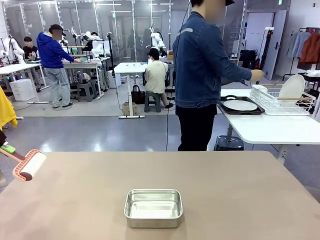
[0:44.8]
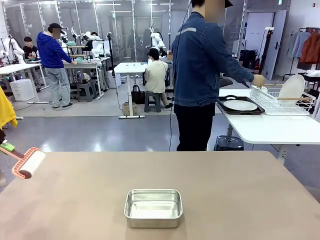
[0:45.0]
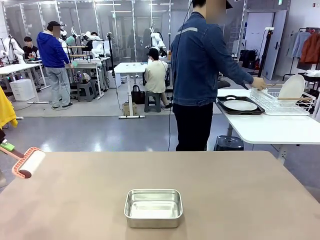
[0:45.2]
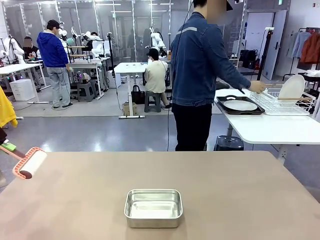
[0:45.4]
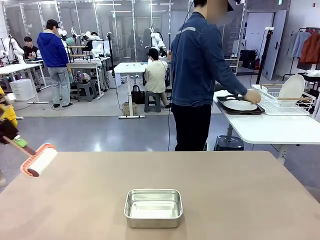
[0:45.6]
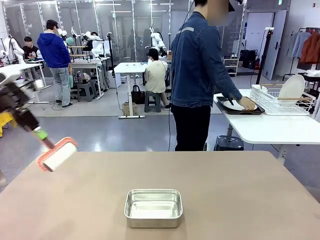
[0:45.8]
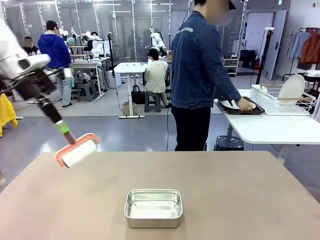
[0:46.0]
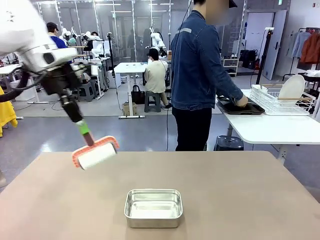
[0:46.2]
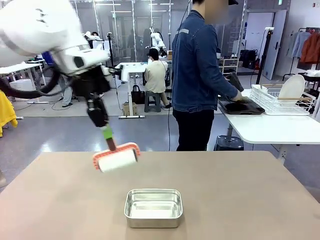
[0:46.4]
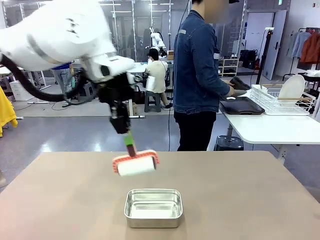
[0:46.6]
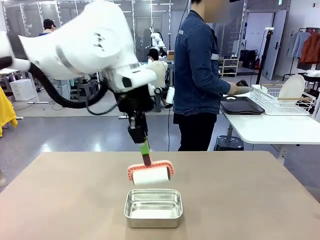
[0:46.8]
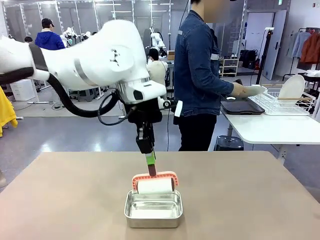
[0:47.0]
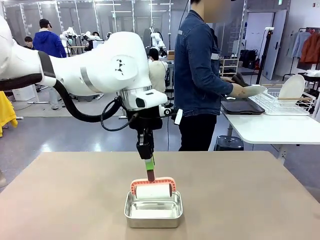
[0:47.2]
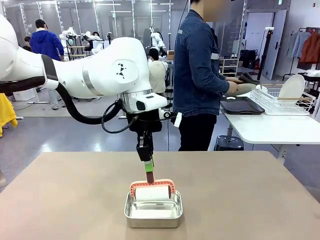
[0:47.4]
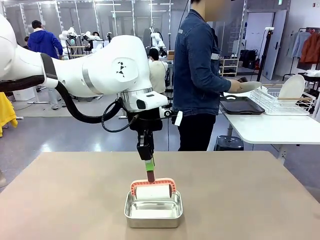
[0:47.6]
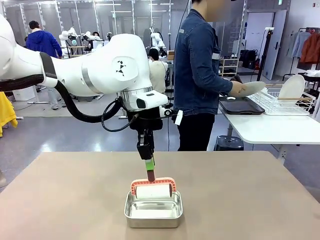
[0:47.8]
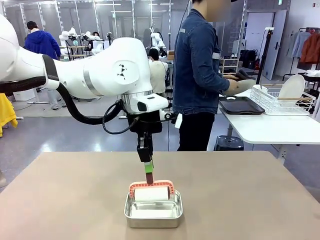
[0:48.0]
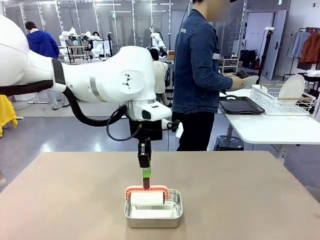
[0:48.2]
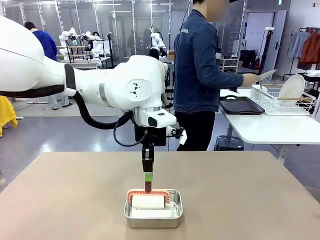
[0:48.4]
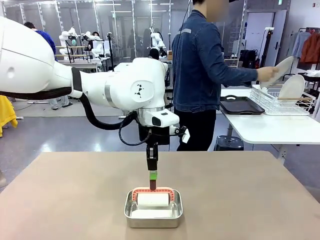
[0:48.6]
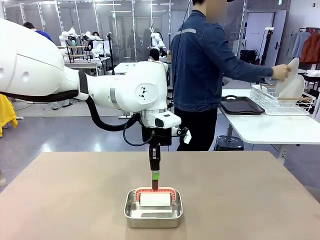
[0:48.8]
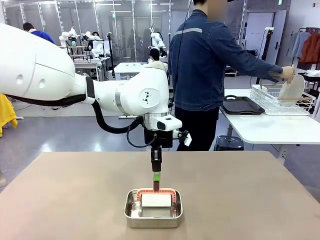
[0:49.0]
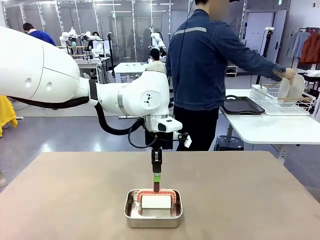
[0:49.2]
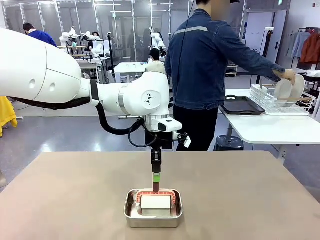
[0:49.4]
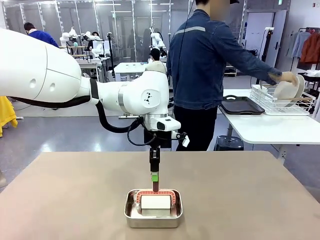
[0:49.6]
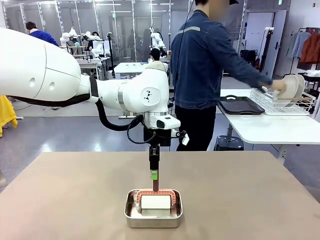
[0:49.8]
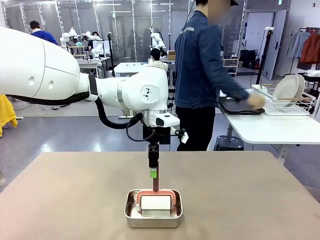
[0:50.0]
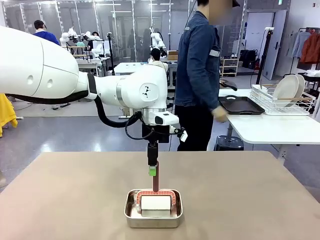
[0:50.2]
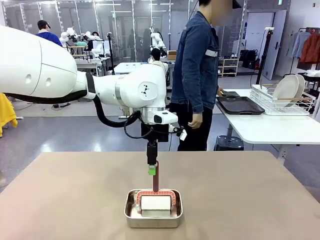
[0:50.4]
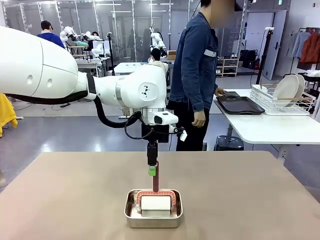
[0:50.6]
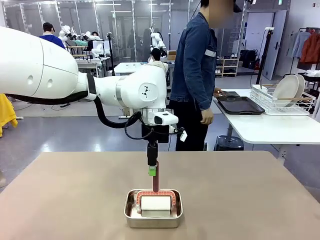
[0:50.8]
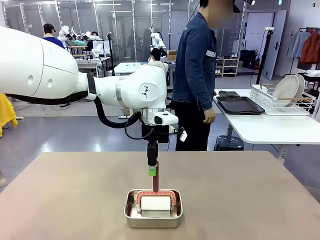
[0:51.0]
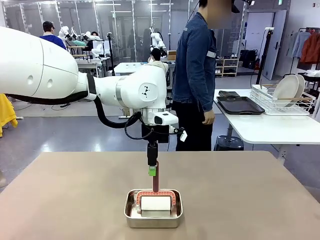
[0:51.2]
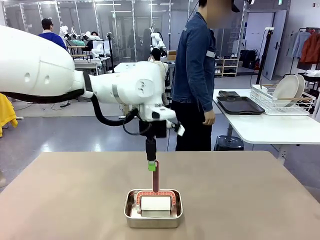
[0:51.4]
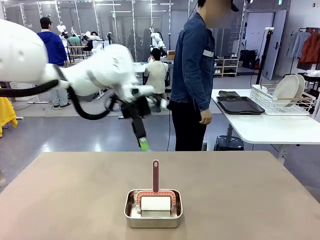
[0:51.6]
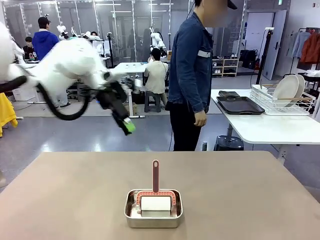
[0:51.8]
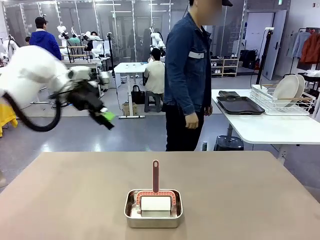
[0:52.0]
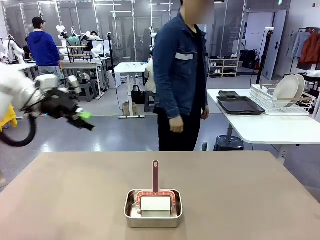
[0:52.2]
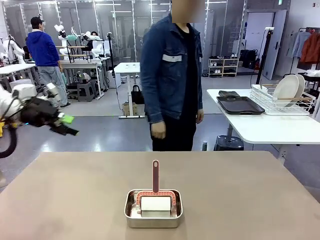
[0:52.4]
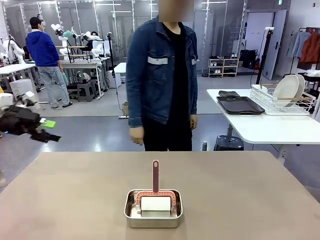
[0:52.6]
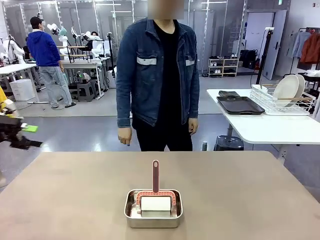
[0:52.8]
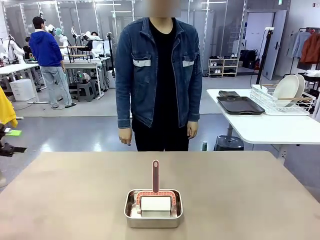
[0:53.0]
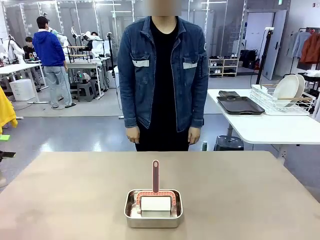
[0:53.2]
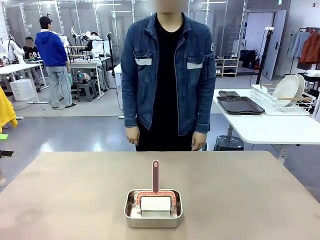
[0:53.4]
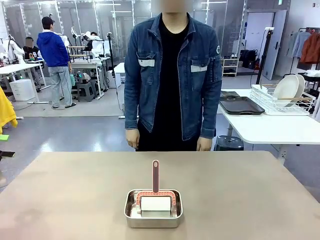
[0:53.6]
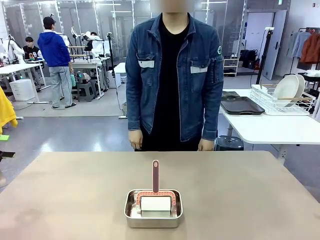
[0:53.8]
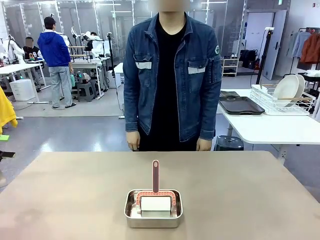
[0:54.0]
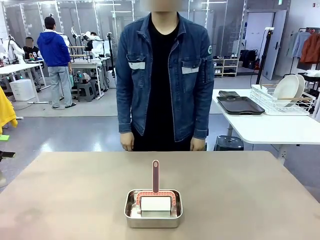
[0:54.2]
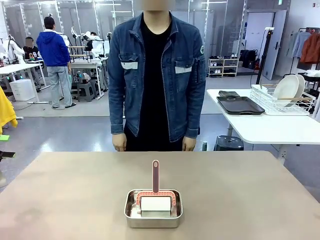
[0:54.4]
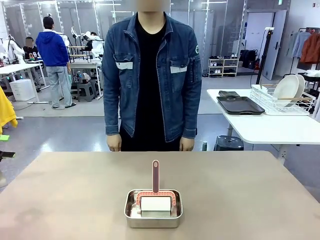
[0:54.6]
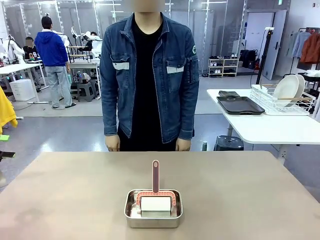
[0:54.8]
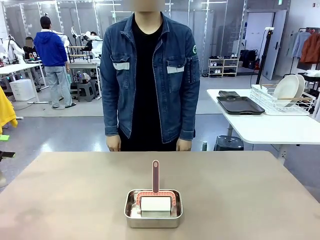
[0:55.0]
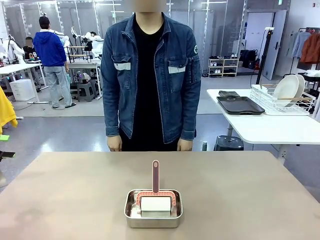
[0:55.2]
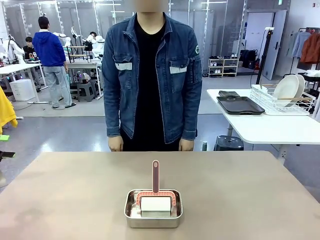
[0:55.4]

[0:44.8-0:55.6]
Robot: Place the Lint Roller back on top of the Airtight Container.
Person: Use the Towel with hook to wipe the Plastic Matte Plate , Fork , and Knife and place into the Dish drying rack.

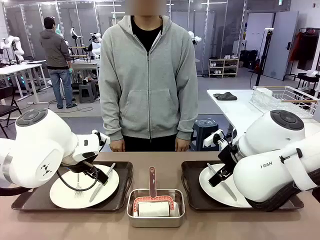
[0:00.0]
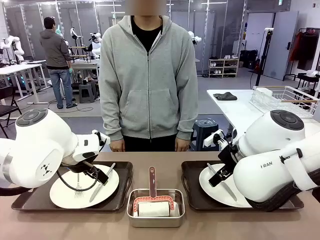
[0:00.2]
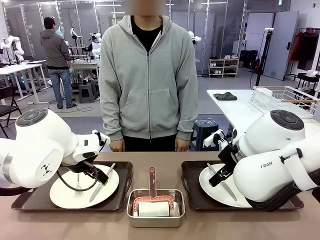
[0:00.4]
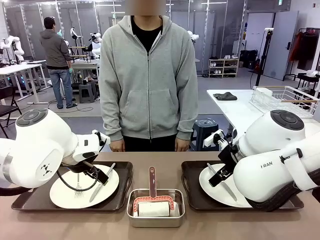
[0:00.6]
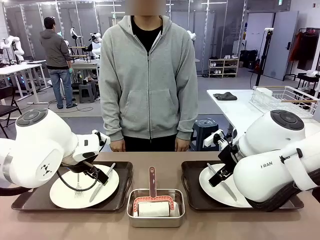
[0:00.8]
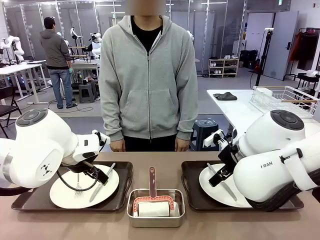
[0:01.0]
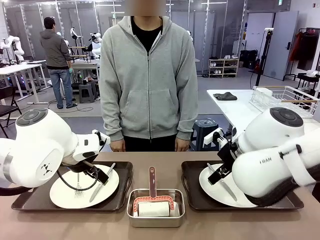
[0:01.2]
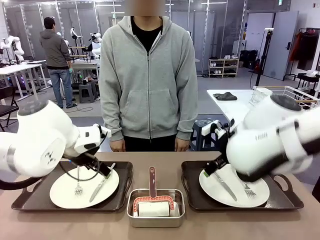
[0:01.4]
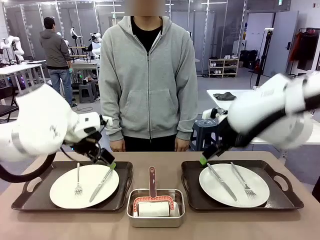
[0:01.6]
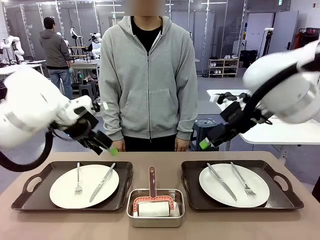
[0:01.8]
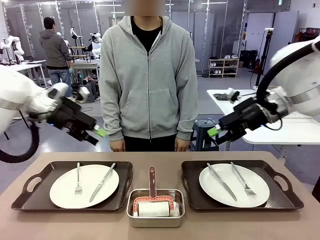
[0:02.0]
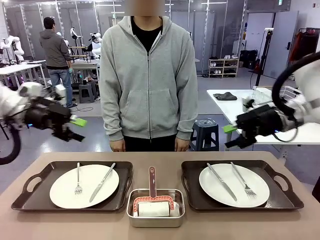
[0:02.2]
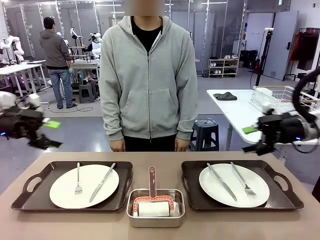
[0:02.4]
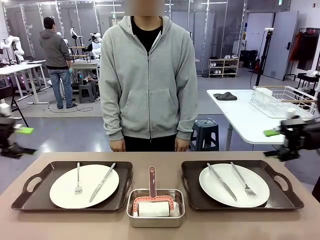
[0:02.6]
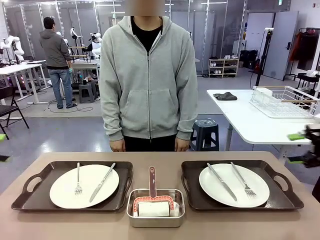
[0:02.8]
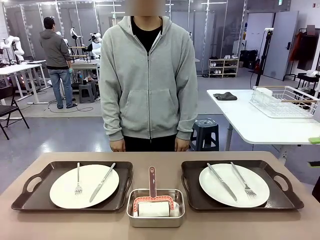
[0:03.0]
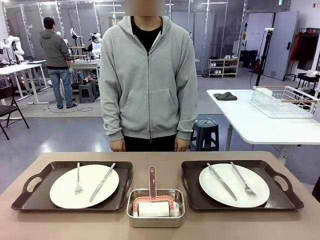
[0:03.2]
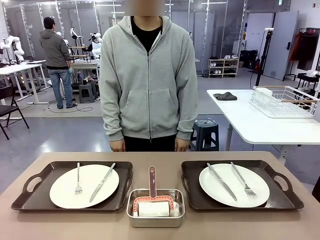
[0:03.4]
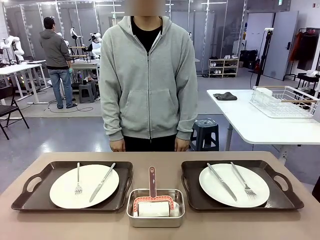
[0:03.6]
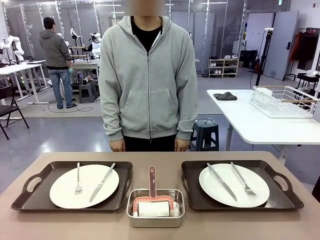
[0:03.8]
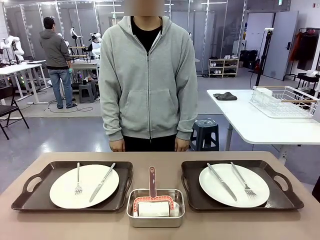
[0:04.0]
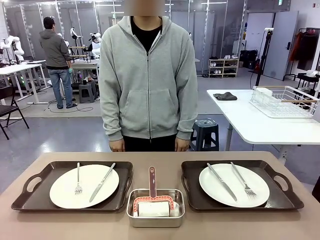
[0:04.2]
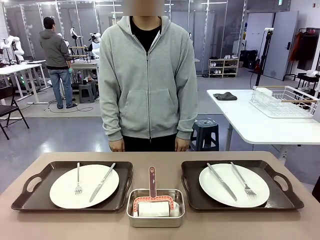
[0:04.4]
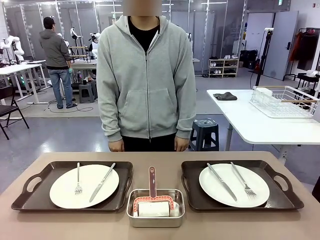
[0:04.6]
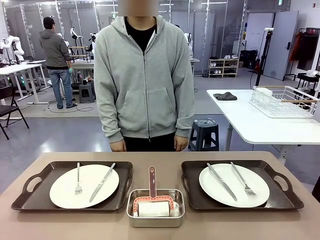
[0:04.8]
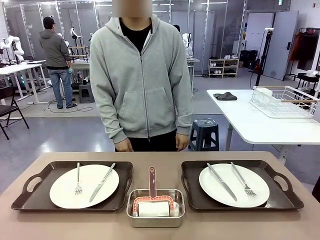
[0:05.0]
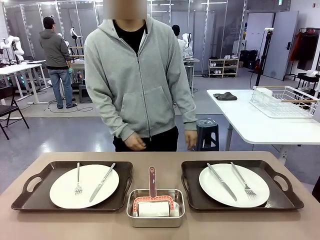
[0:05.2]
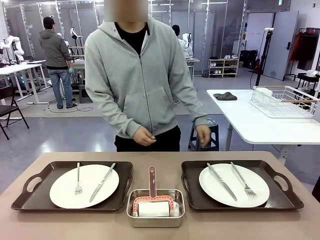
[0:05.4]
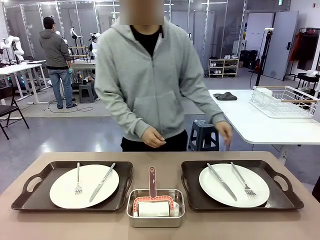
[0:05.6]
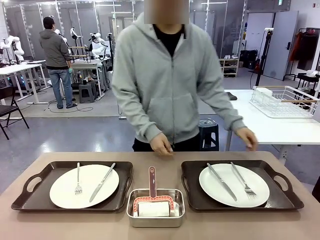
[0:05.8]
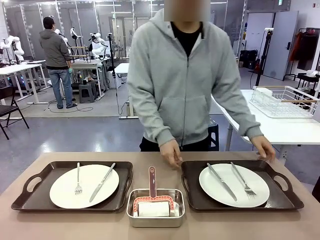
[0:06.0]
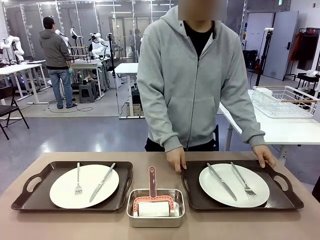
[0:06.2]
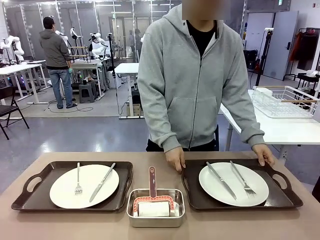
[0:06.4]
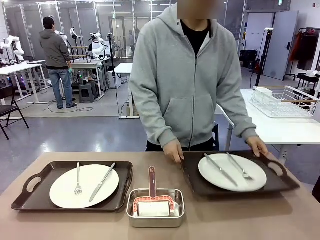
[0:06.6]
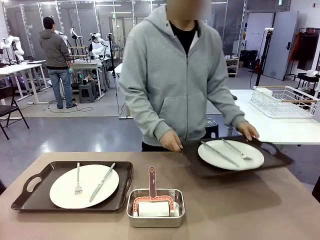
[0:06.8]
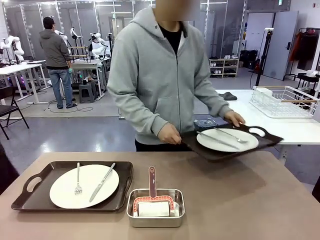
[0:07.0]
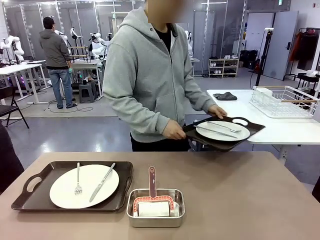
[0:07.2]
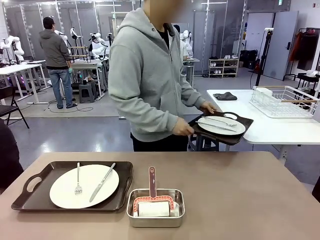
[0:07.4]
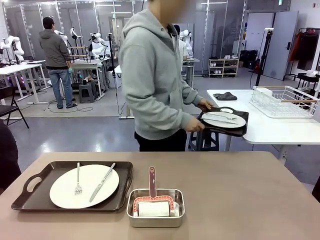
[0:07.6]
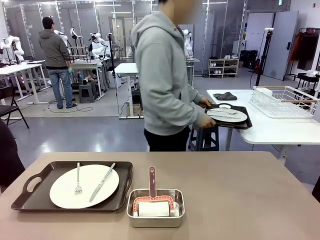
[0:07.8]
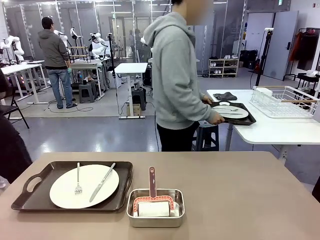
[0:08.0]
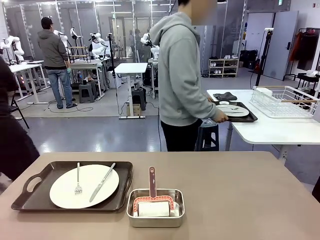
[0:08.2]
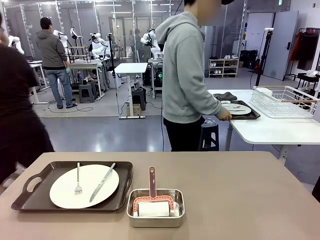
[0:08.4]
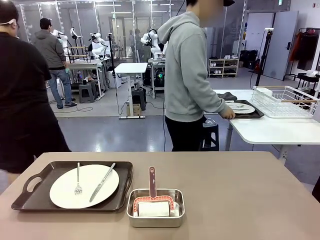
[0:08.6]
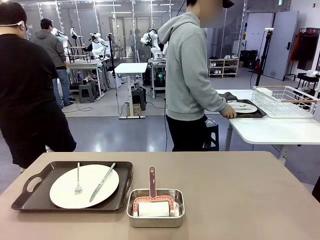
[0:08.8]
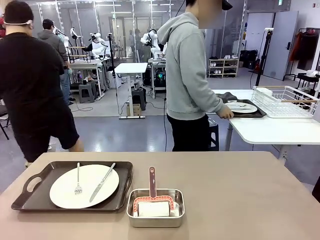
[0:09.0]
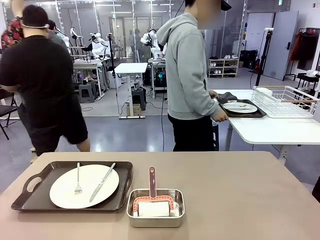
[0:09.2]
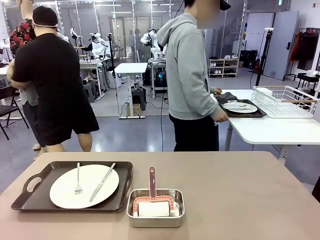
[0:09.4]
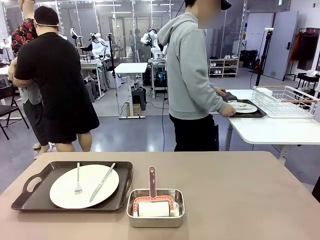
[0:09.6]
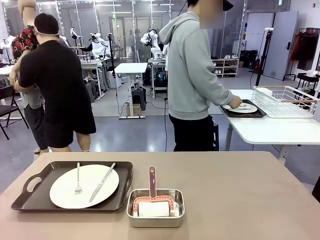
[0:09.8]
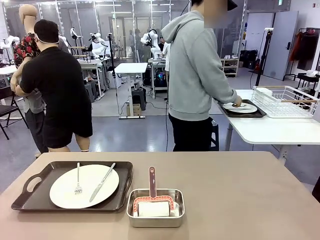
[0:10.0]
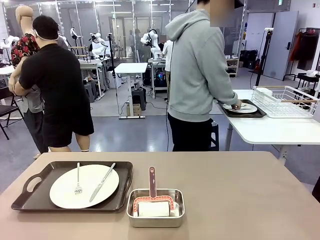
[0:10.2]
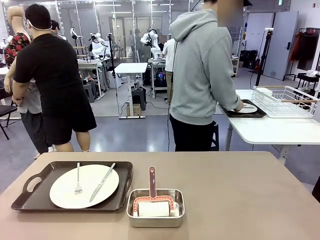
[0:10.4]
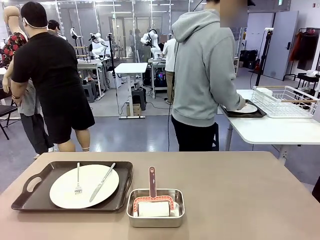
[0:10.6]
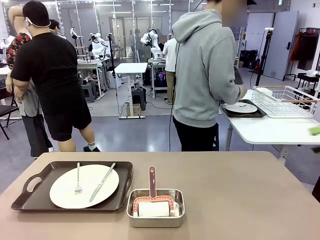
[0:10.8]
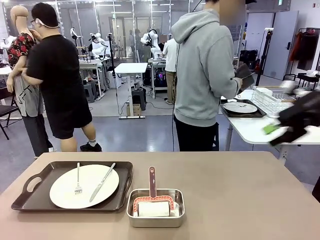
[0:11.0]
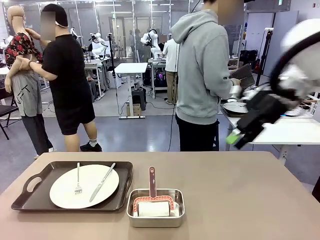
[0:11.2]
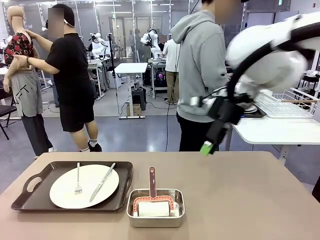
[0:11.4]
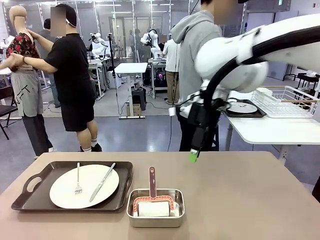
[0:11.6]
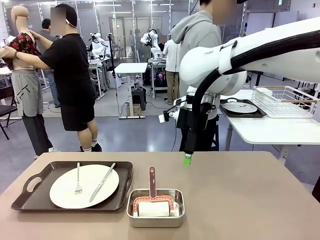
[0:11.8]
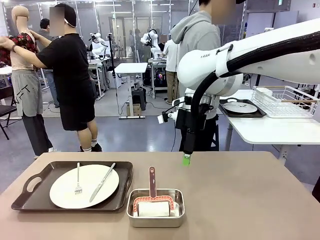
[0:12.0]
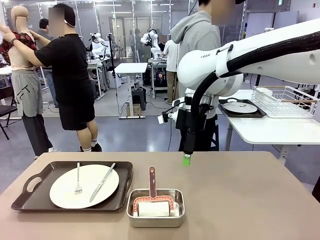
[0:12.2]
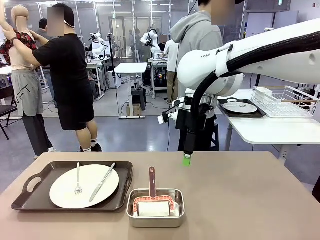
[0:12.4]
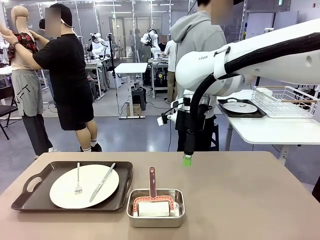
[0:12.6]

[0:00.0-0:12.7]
Robot: When the left (or right) Handle tray is removed, use the left hand (or right hand) to clean the left (or right) side of the table with the Lint Roller.
Person: Pick up the left (or right) Handle tray and place it on the middle of the Human's table.
